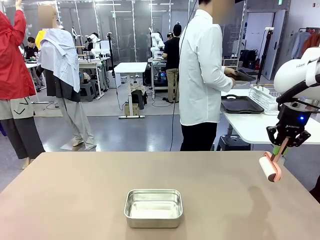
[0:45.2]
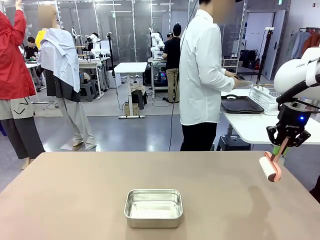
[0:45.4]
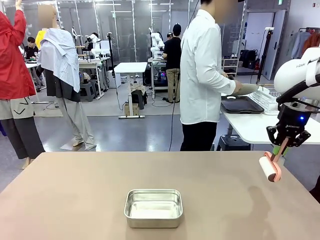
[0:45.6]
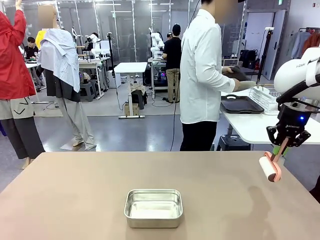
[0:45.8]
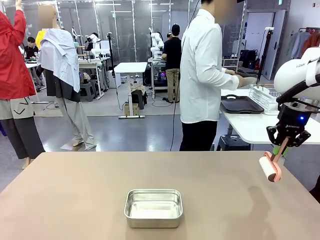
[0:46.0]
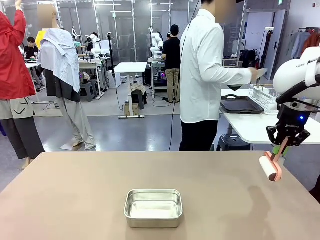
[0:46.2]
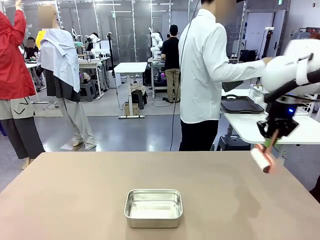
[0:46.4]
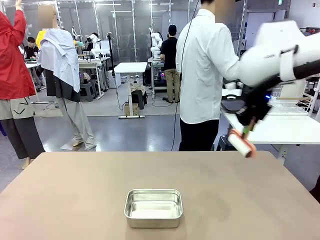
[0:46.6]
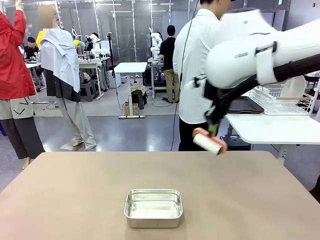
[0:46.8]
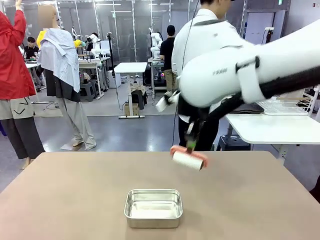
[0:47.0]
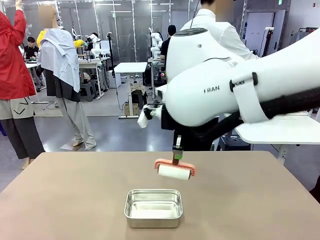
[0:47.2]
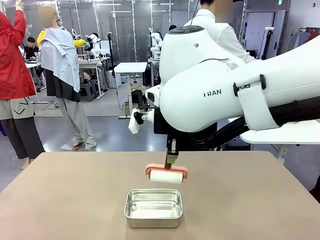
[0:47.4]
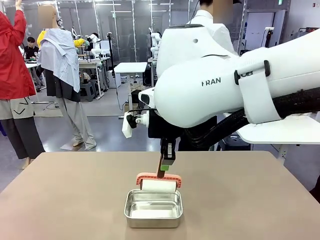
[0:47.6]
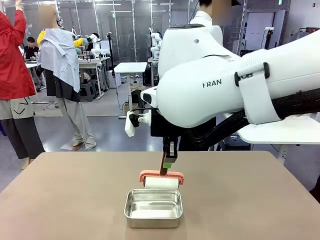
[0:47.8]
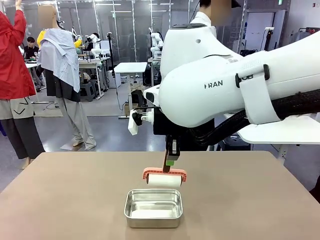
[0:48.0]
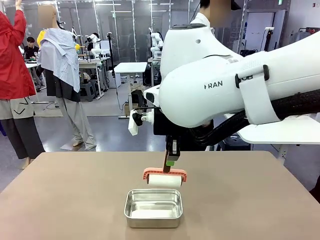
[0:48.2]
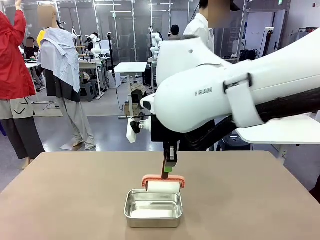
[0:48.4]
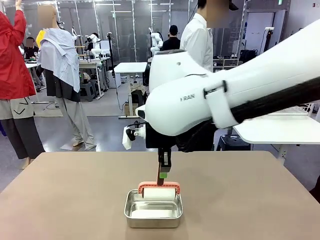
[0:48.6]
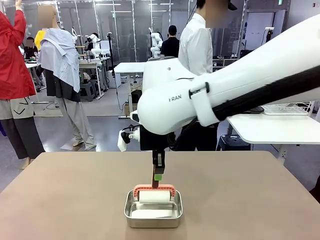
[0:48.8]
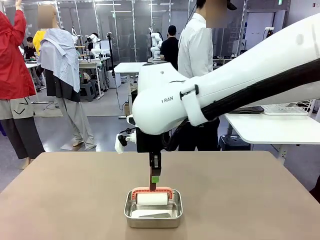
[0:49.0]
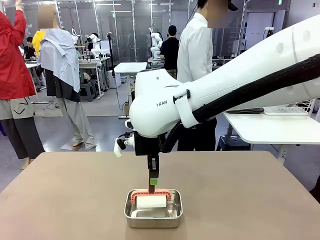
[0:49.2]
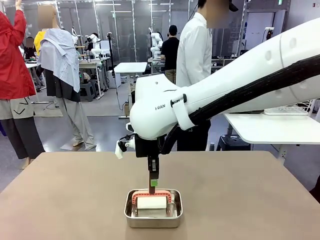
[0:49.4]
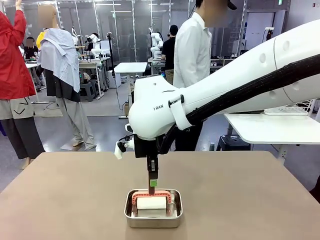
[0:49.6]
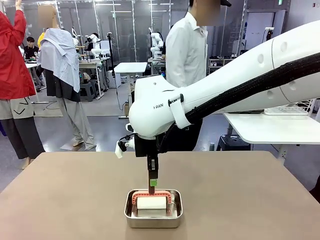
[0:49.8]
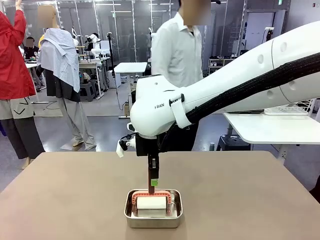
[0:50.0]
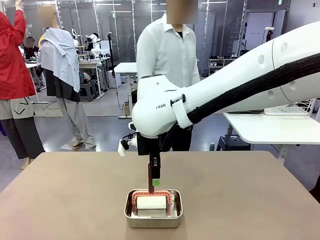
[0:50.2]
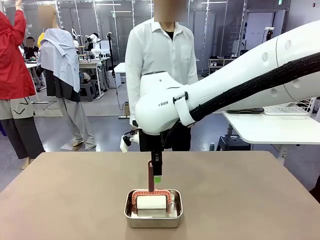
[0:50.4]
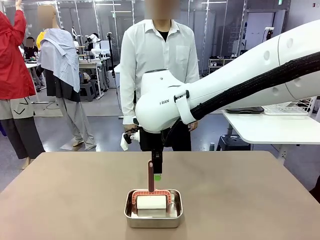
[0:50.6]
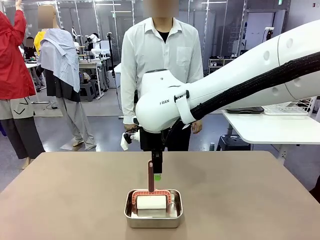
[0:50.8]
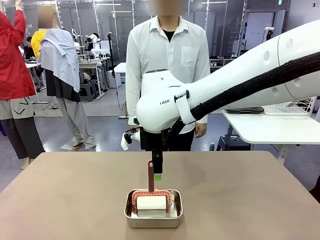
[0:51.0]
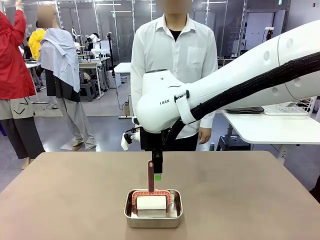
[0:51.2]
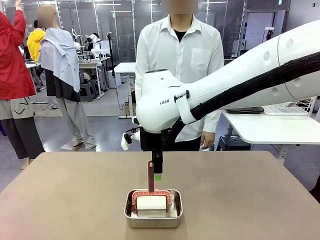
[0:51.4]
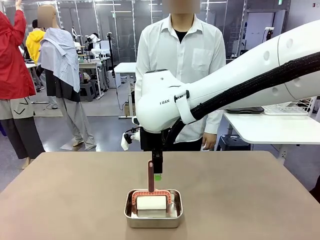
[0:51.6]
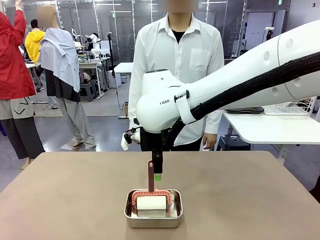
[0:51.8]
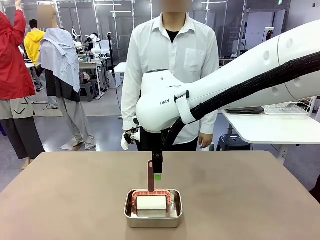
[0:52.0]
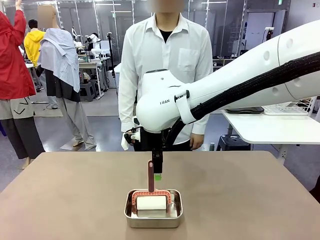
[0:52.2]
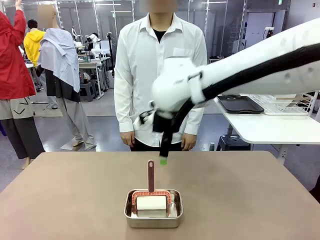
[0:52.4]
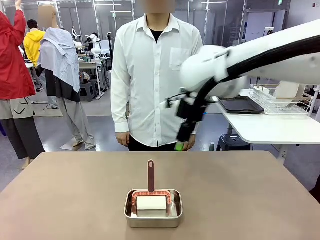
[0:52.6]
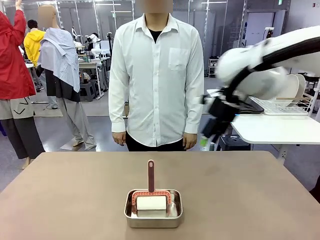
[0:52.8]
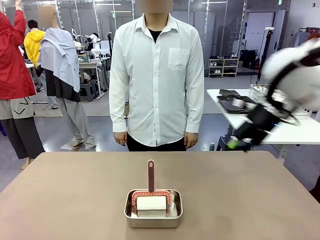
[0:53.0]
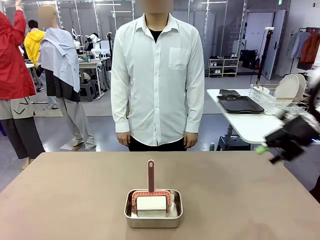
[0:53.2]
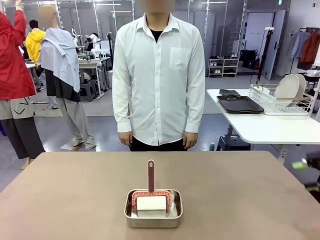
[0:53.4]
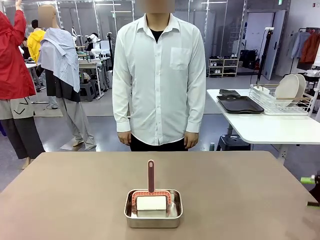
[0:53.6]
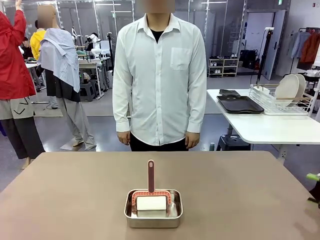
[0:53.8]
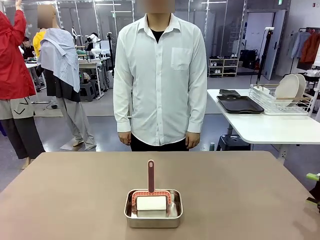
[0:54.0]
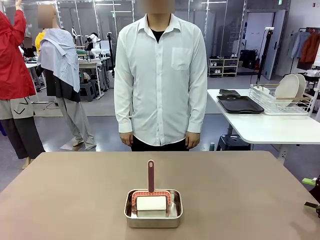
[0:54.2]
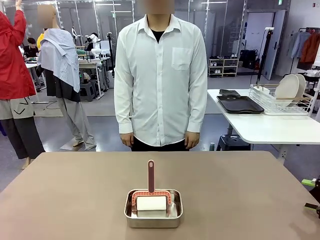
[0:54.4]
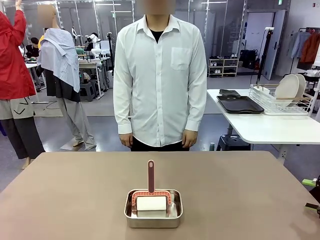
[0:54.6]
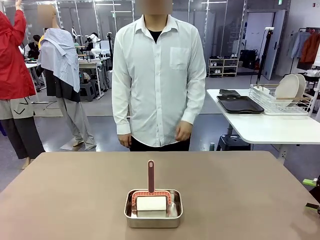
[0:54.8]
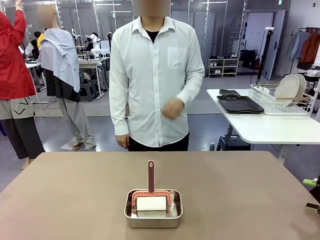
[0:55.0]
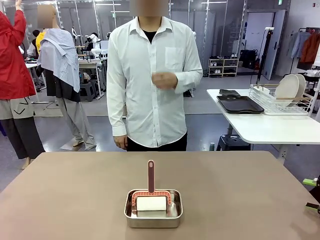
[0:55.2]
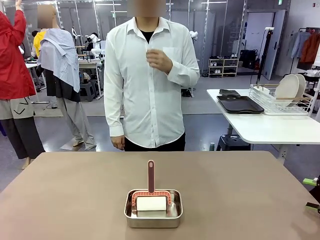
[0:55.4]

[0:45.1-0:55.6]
Robot: Place the Lint Roller back on top of the Airtight Container.

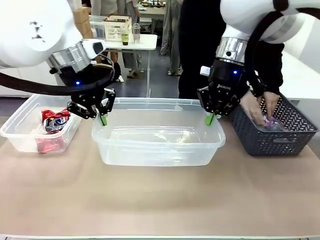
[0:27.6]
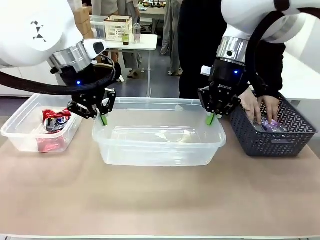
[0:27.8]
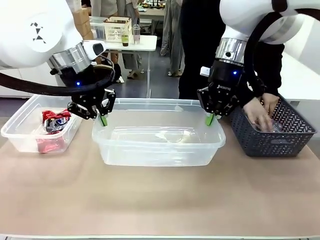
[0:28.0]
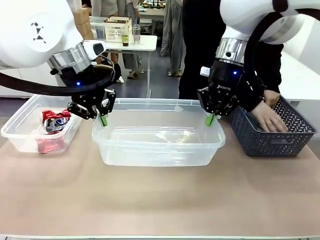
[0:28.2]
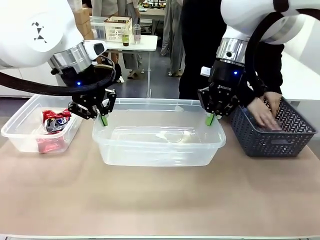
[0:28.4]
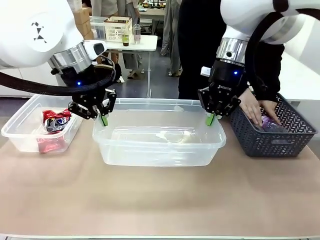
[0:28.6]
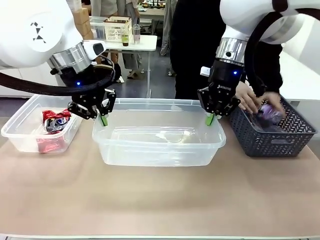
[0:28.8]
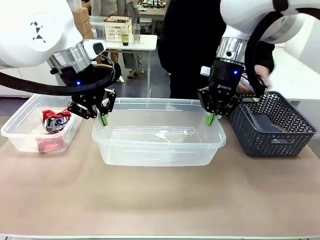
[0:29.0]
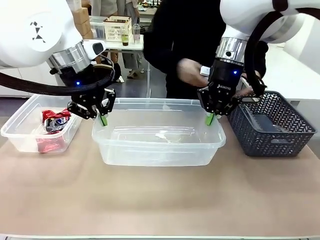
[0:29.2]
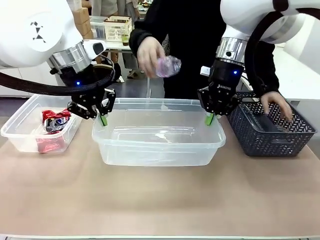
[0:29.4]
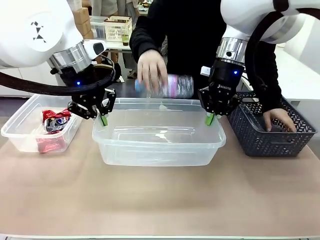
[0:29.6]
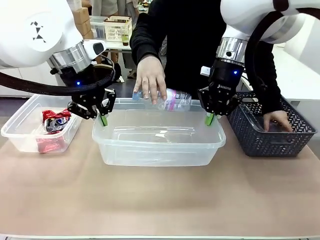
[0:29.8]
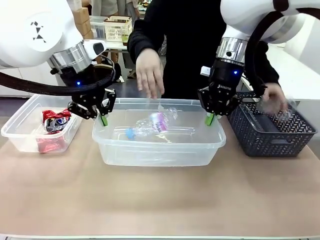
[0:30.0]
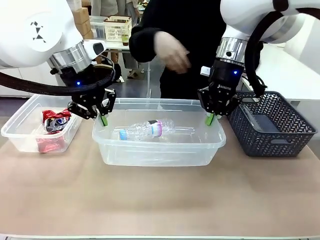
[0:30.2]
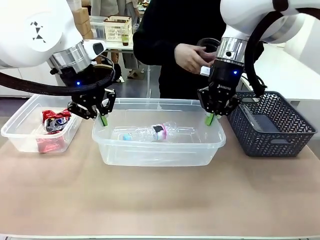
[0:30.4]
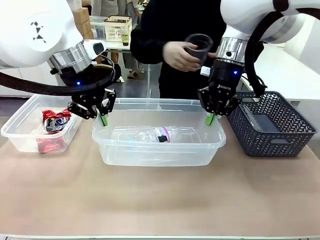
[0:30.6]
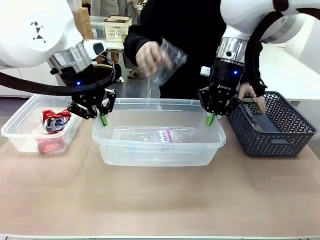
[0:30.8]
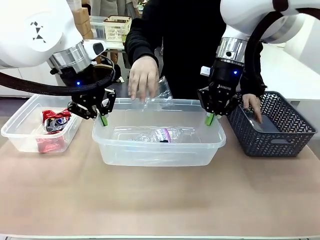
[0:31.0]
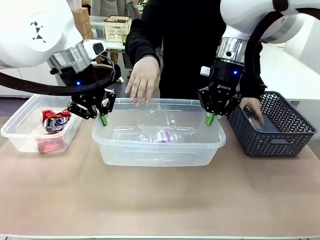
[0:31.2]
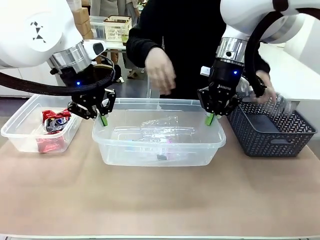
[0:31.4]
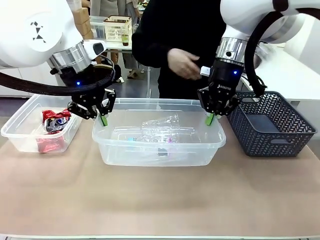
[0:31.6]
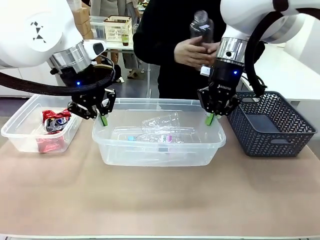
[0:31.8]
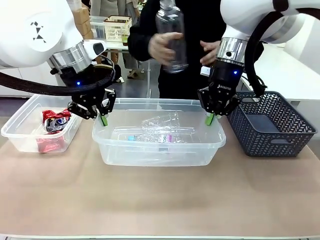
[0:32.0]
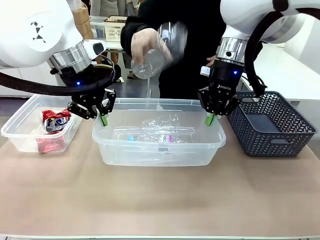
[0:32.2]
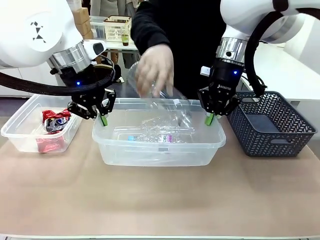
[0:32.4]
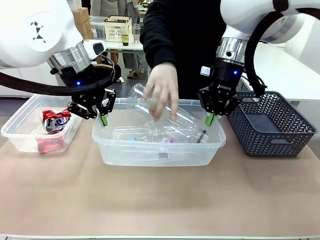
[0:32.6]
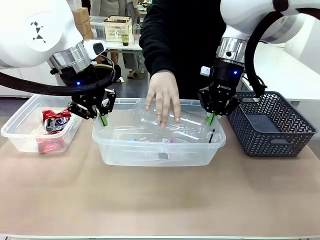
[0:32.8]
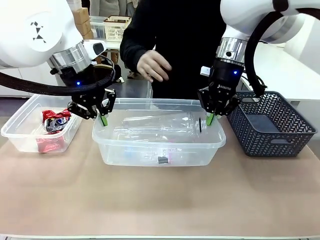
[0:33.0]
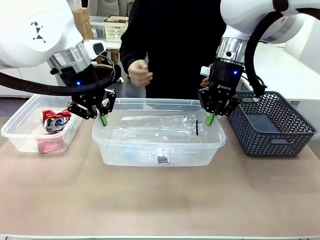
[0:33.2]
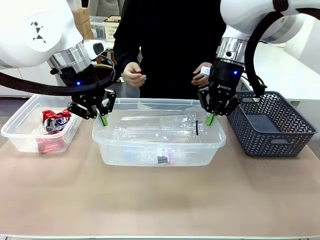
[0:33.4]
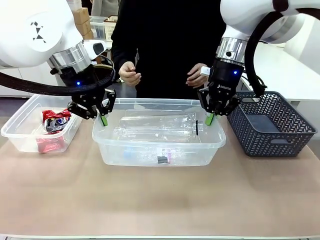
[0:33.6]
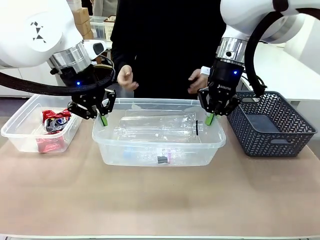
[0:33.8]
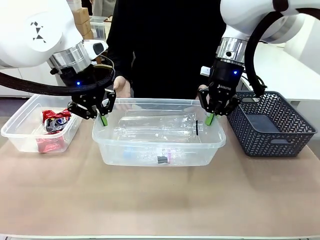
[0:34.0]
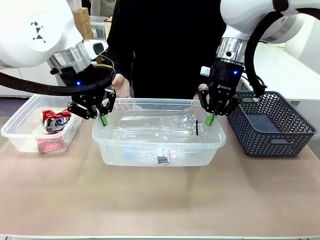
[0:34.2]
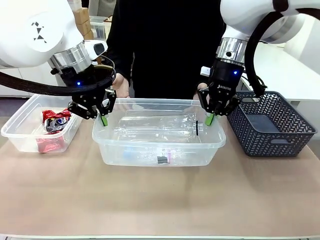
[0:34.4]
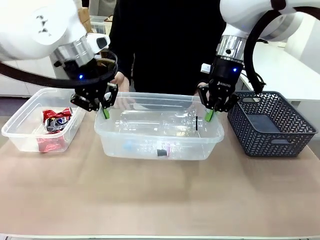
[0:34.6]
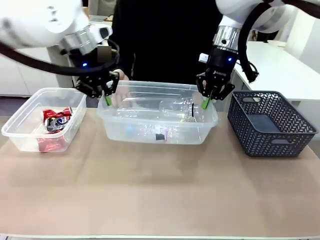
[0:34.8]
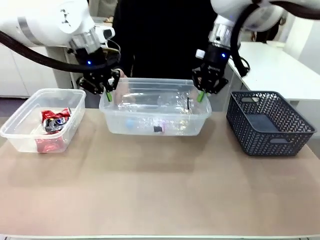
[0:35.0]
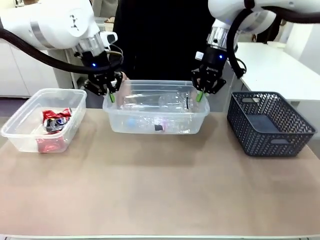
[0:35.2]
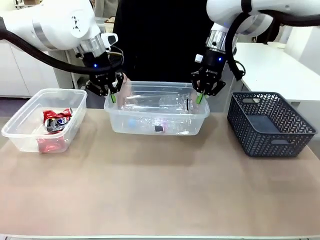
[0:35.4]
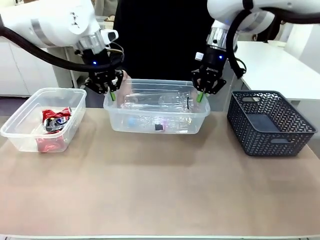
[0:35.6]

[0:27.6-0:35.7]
Robot: Offer the picked Organizing box to the human.
Person: Pick up plastic waste one by one and place it into the organizing box lifted by the robot.

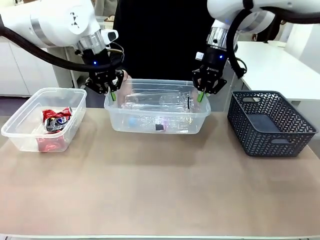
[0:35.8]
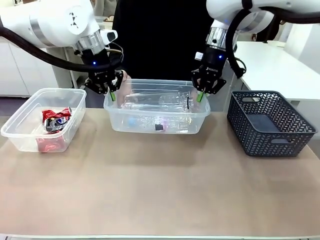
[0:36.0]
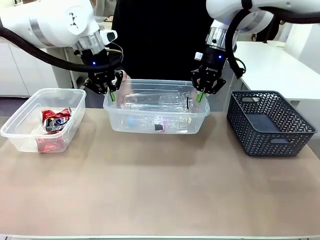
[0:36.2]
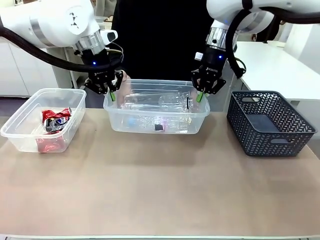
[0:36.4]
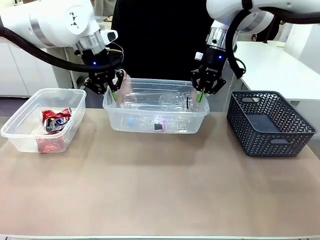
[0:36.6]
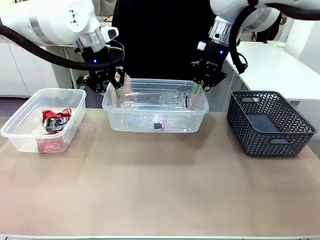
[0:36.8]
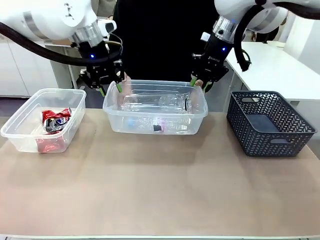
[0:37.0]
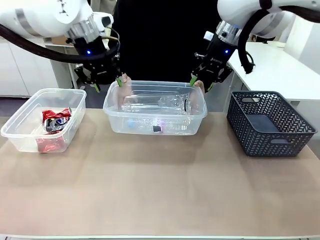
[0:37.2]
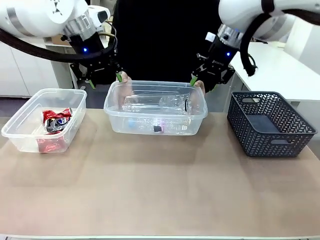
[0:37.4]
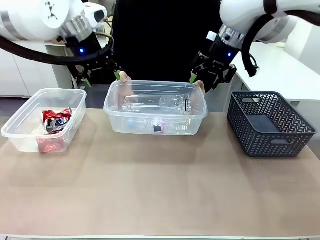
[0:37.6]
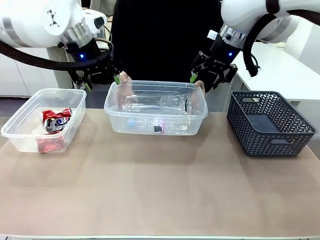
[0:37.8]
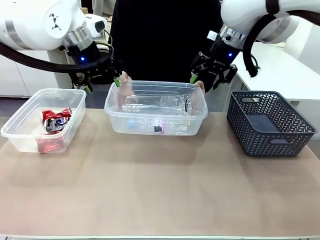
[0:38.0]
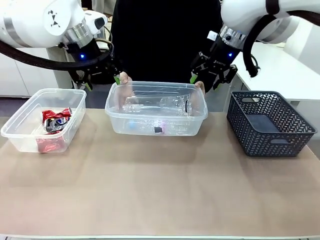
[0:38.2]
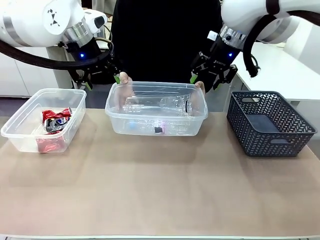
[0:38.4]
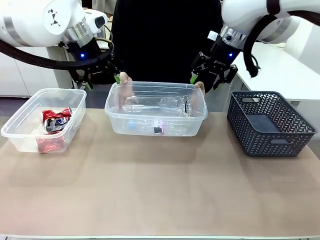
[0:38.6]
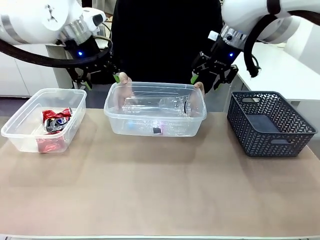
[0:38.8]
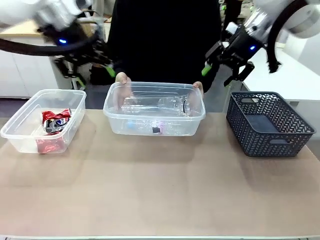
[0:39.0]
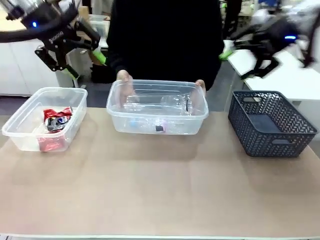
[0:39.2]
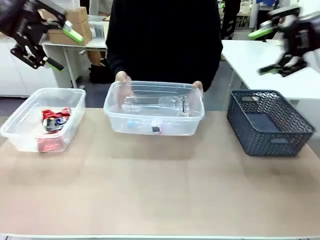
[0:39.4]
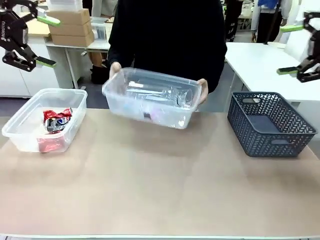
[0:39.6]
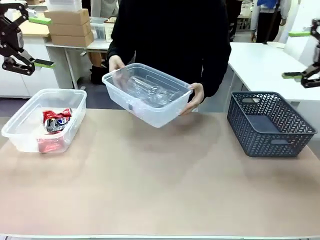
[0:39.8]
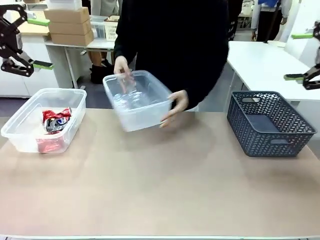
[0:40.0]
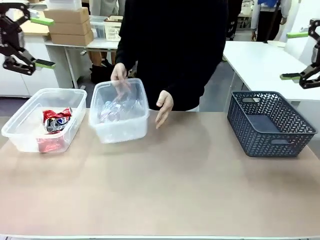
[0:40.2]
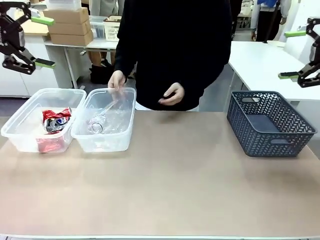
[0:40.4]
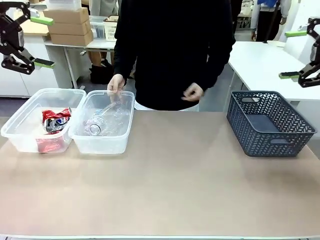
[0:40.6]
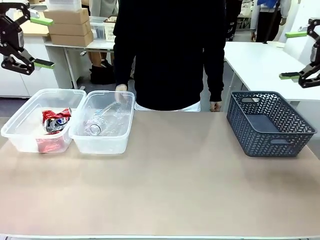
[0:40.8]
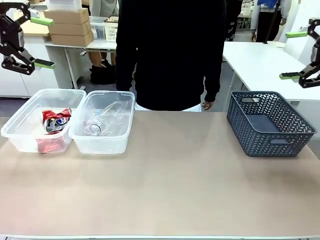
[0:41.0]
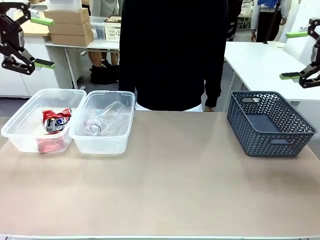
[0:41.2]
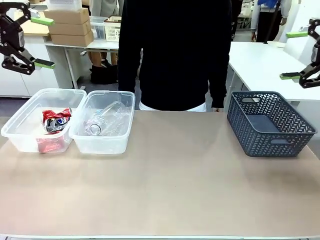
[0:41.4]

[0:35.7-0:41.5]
Robot: Release the Organizing box you were holding.
Person: Pick up the organizing box extended by the robot. Place the organizing box to the left of the sorting box containing the can waste.
